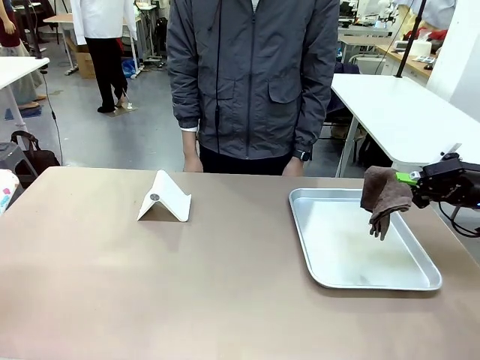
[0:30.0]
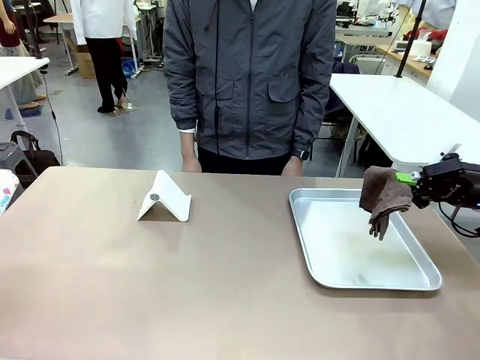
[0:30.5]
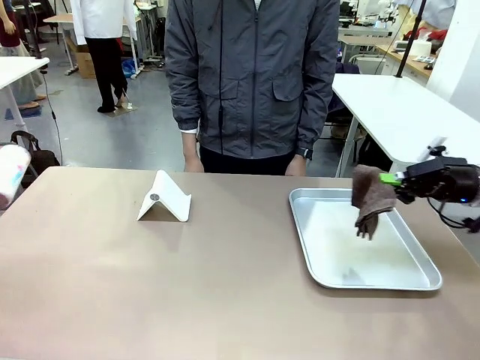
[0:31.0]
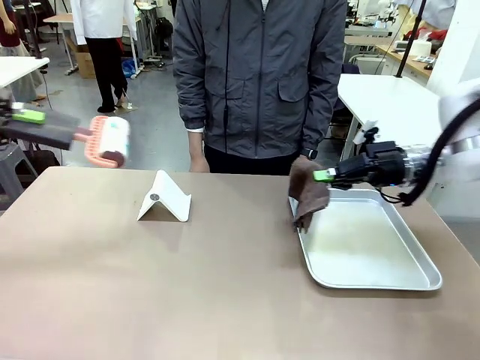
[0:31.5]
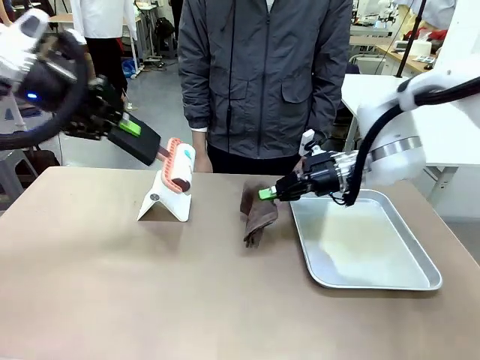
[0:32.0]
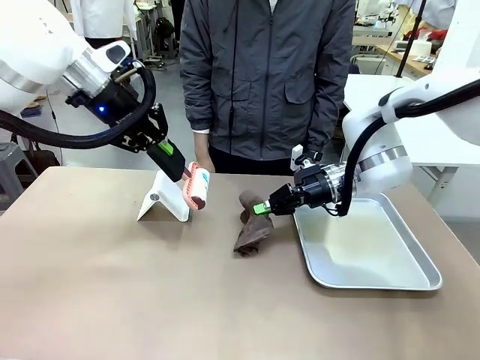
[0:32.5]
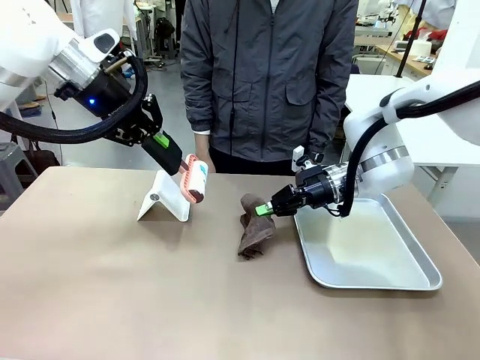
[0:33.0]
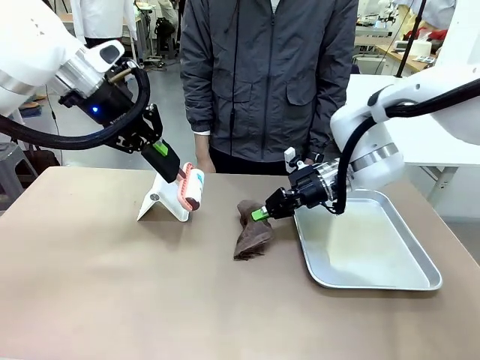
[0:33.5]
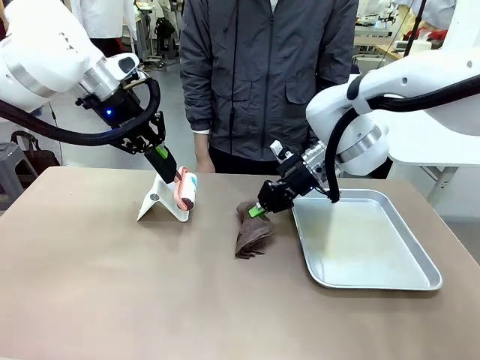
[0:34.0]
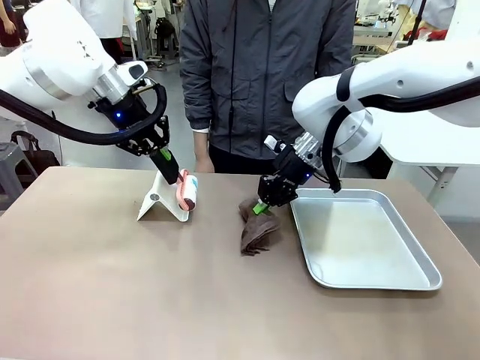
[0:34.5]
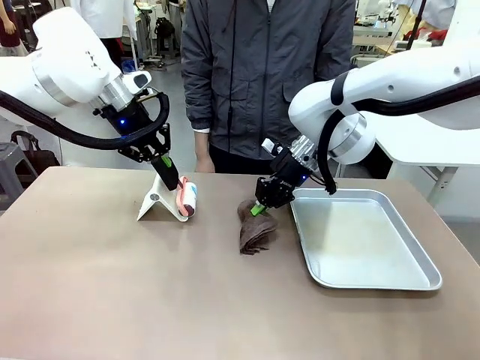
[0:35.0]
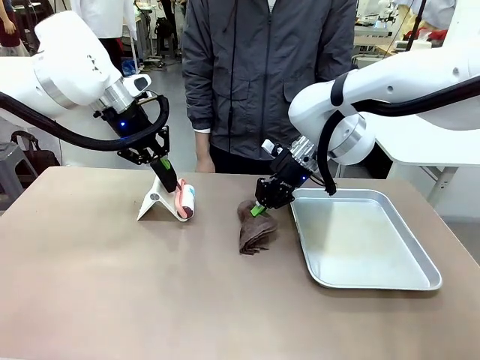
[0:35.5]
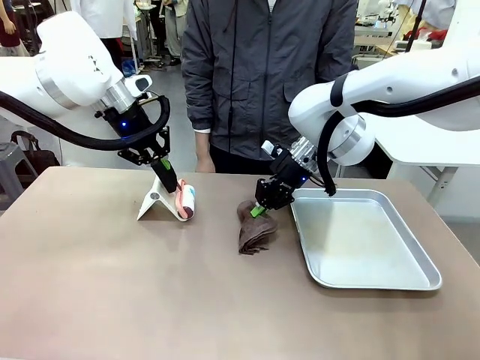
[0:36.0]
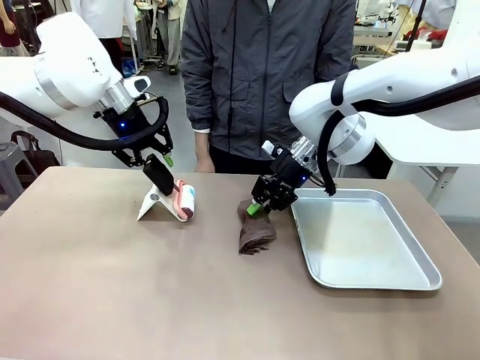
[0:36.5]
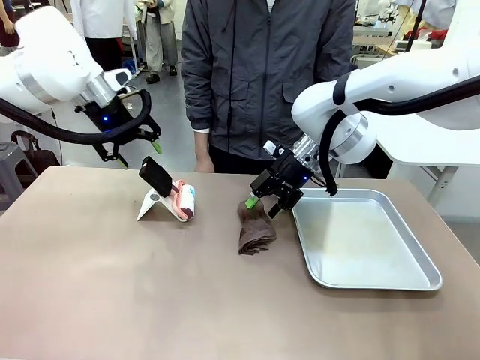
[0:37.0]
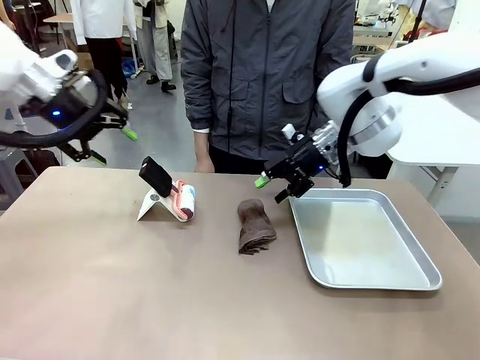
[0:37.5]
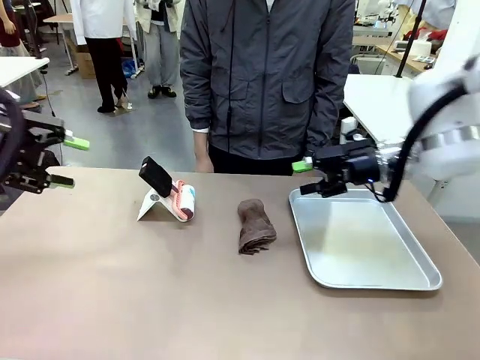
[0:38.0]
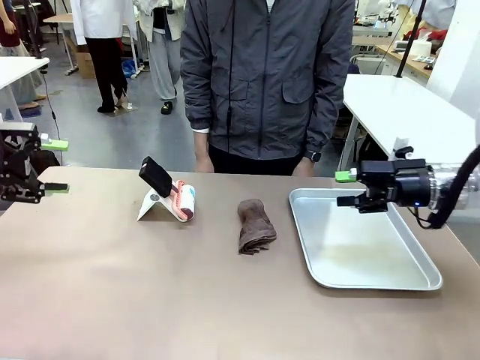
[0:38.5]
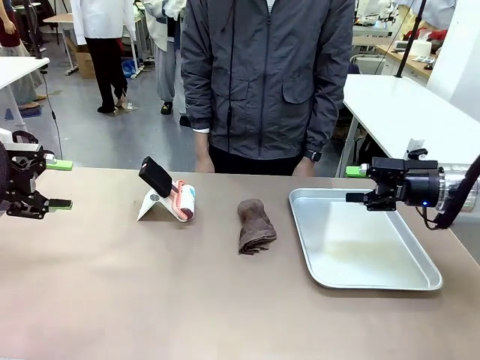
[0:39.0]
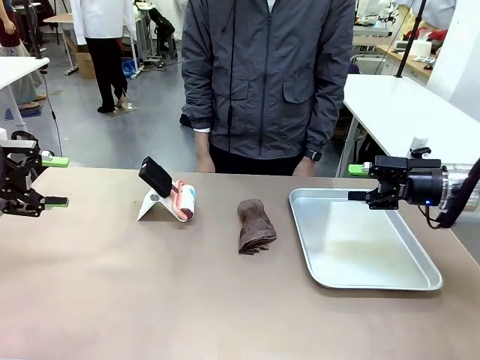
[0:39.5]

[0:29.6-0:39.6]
Task: Clean the surface of the table.
Robot: Return the Lint Roller and towel to their original positions.

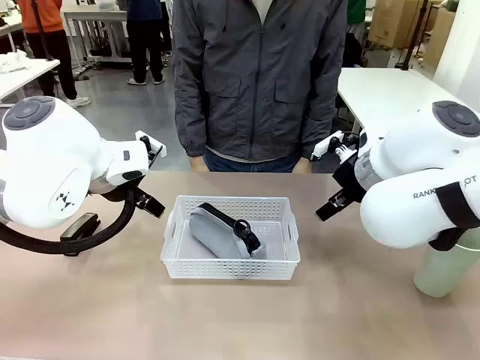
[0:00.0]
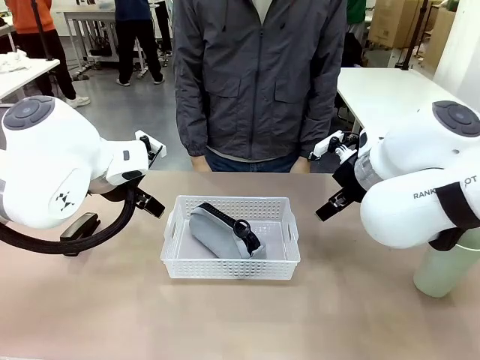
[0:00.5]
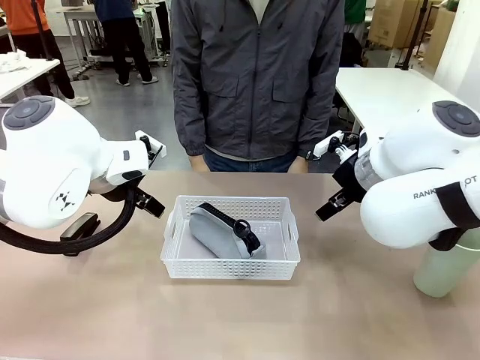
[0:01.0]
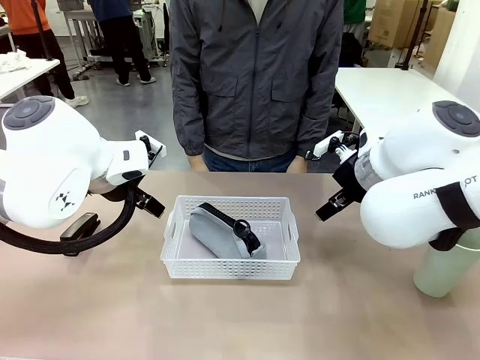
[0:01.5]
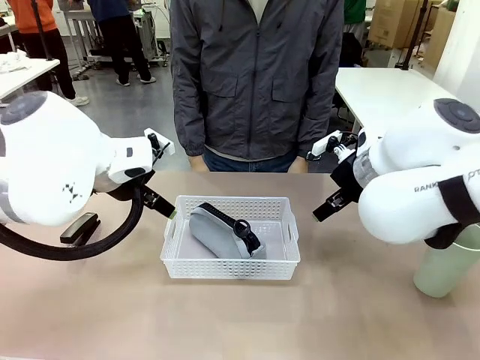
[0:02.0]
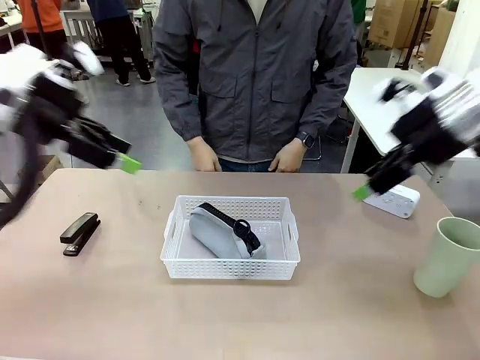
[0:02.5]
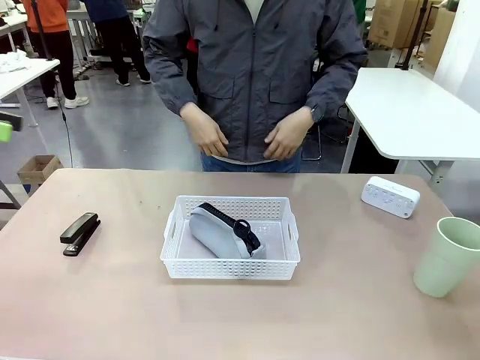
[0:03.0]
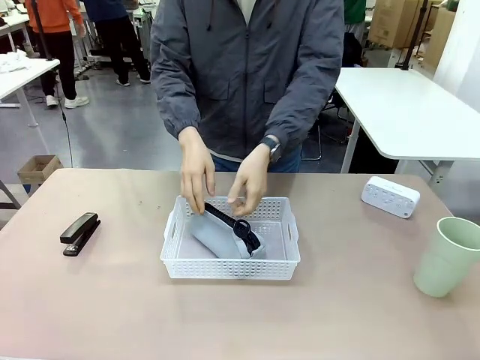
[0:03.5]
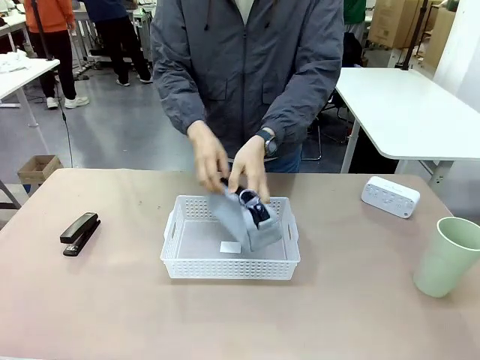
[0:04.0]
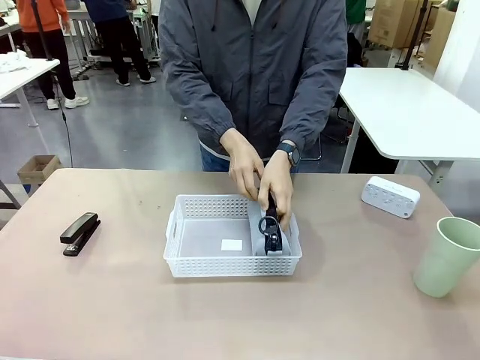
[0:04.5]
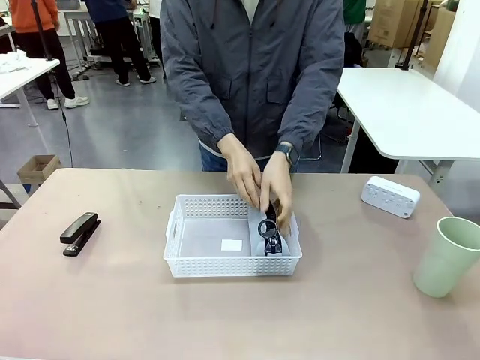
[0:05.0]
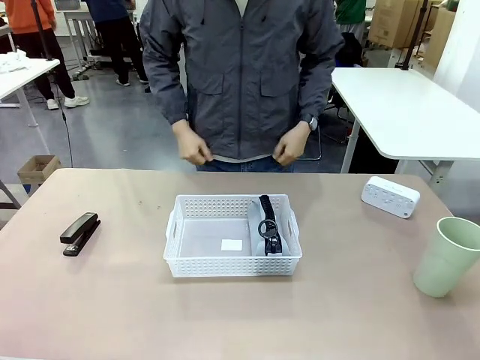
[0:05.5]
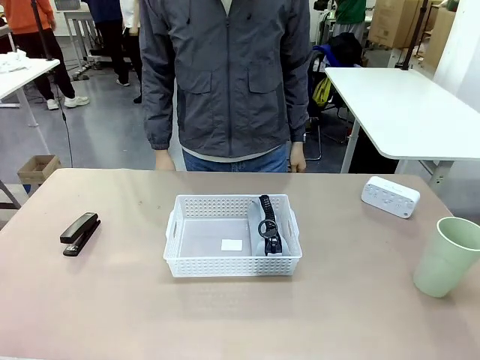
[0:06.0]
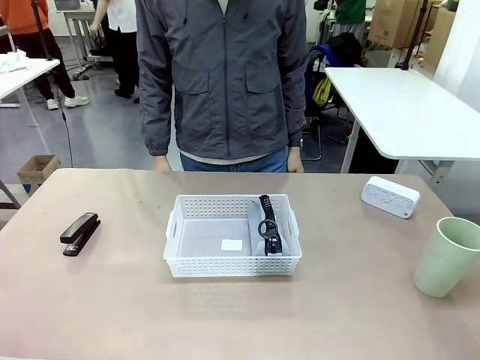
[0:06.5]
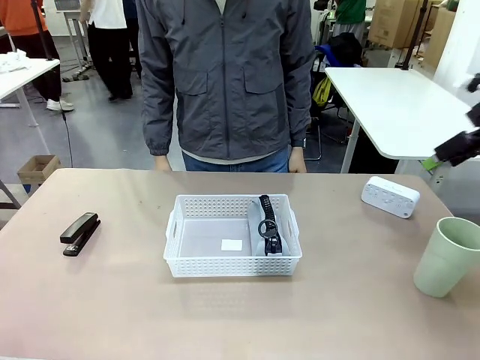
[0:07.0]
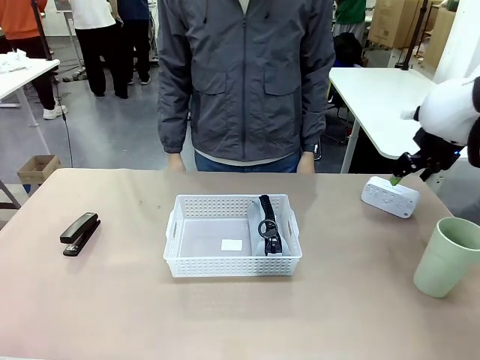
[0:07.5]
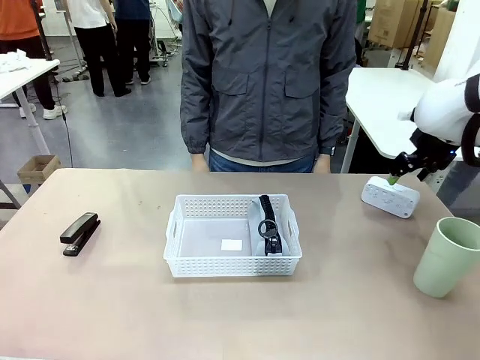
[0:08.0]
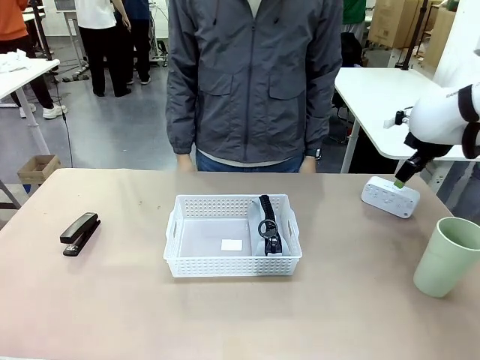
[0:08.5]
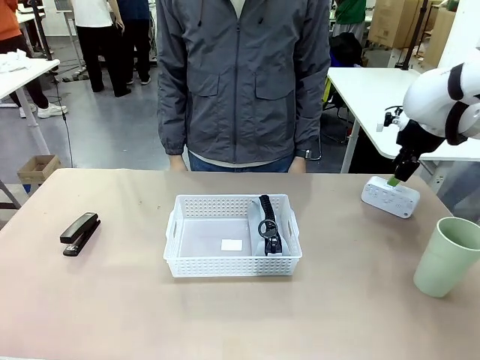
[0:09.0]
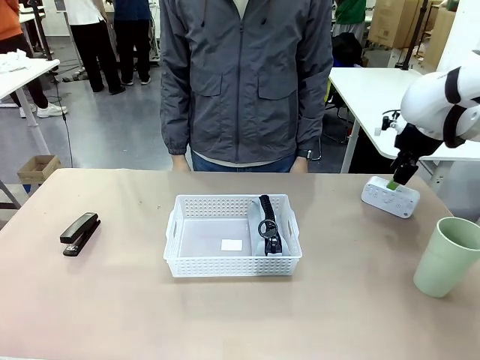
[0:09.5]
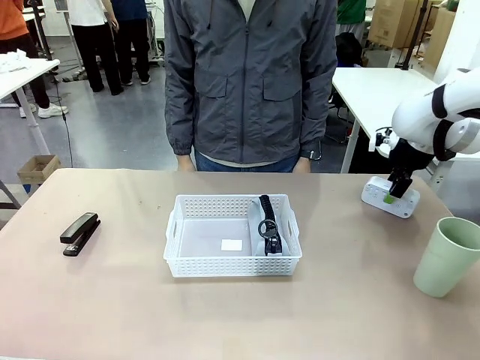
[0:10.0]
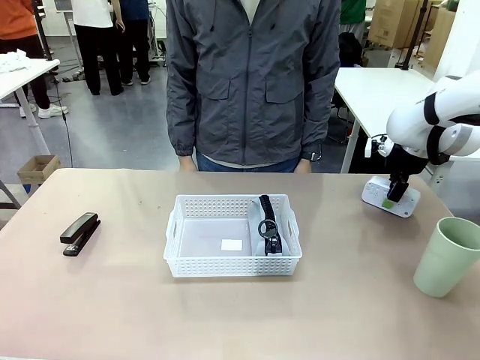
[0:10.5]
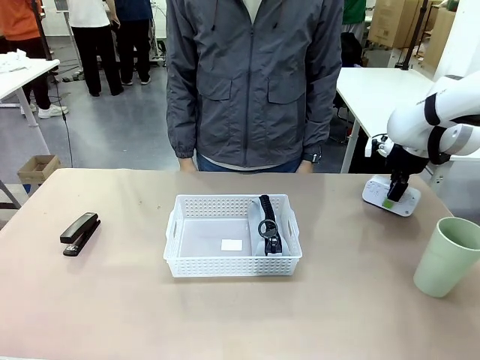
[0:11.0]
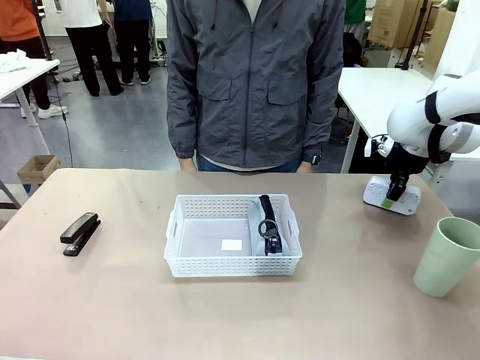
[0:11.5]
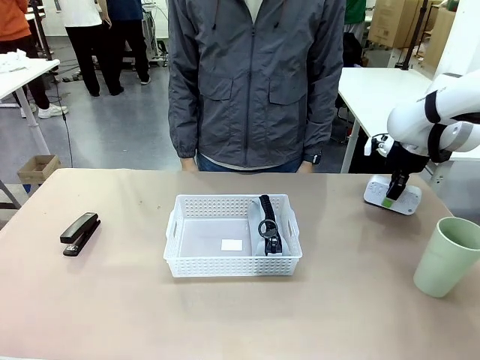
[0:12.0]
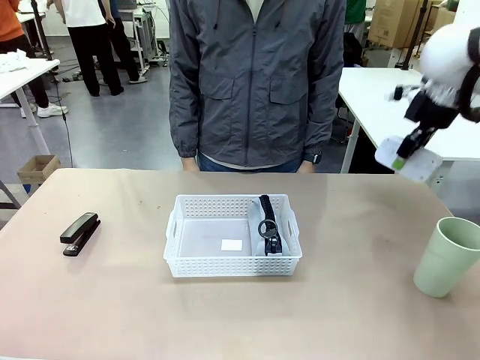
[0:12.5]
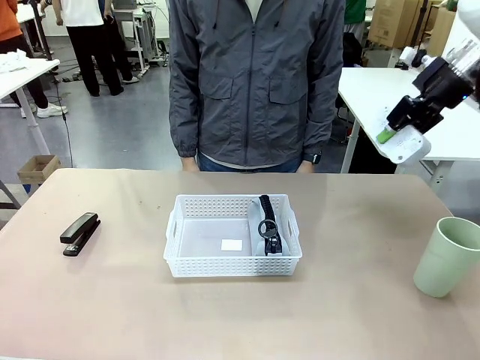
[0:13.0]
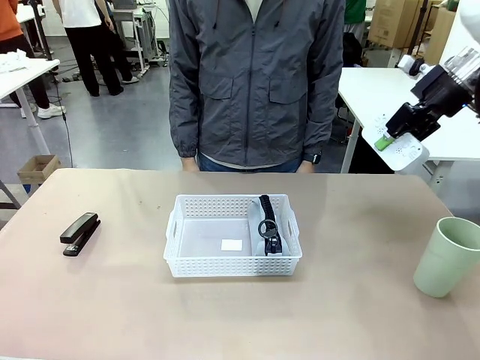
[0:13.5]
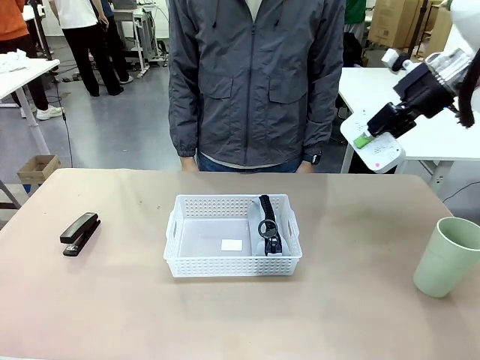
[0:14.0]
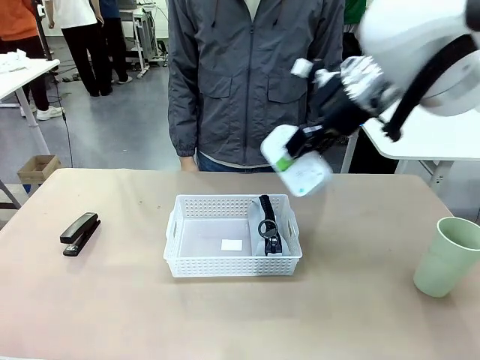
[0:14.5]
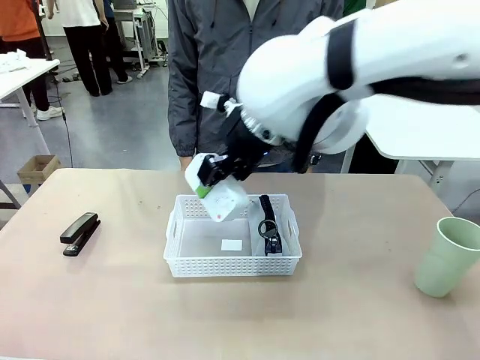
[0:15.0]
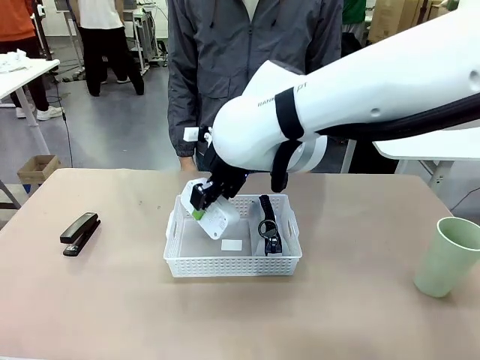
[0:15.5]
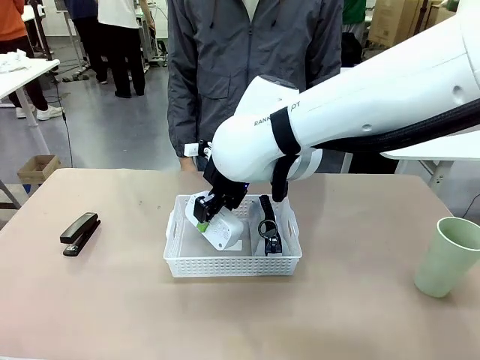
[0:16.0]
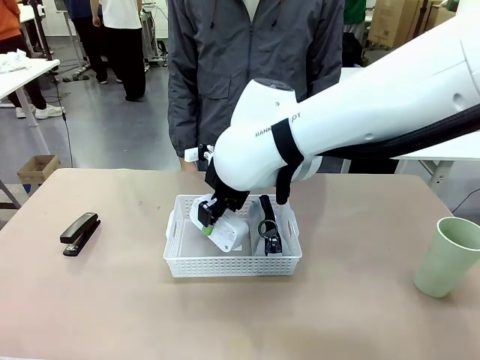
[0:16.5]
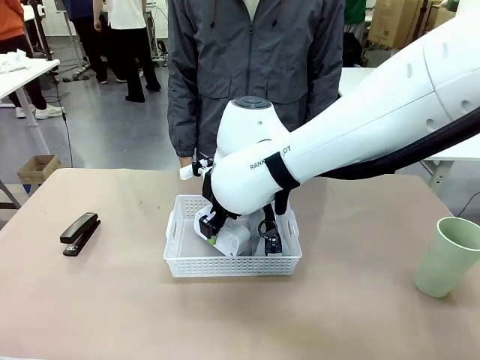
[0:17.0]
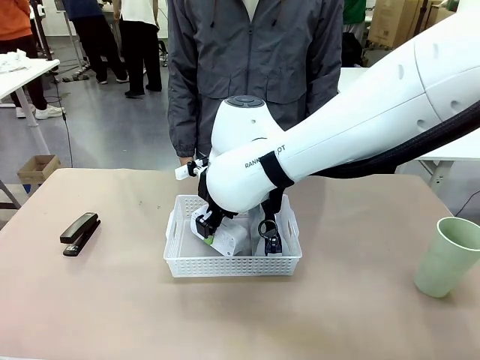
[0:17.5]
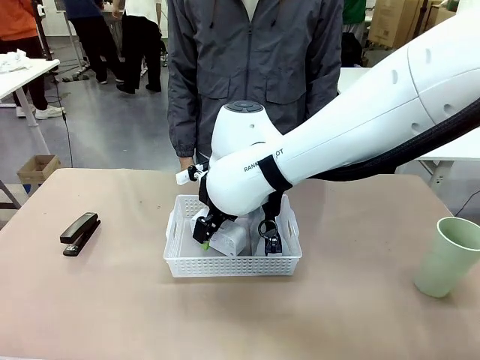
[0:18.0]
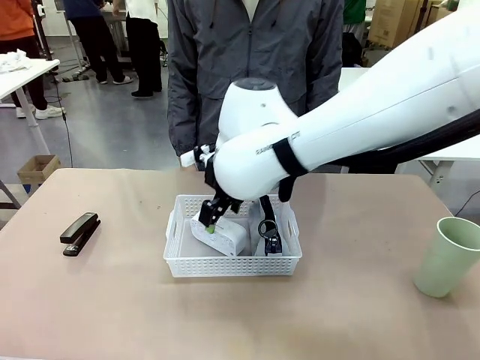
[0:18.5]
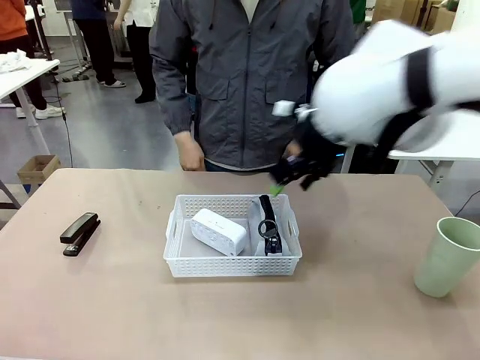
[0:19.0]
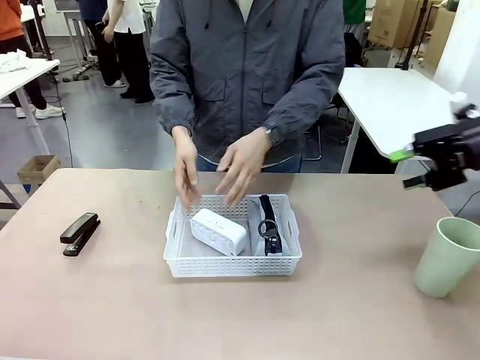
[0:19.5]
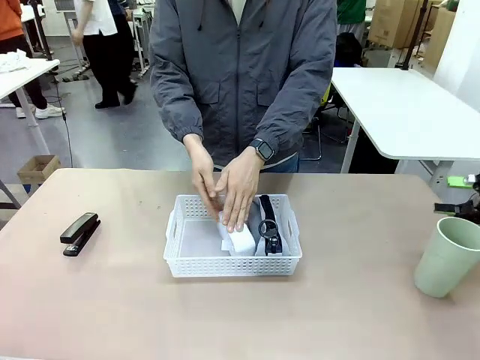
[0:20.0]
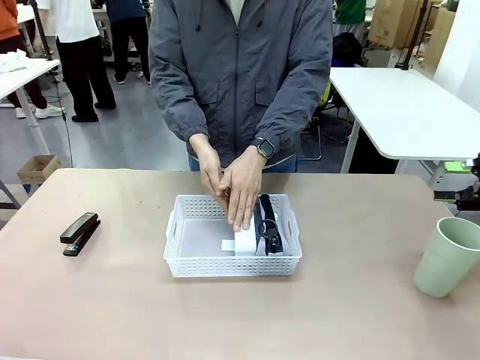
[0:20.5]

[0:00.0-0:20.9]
Task: Efficiently arrange items inside the basket to fit them all.
Robot: Pick up the Digital clock and place it inside the Organizing basket.
Person: Repositions the pencil case. Repositions the digital clock.
